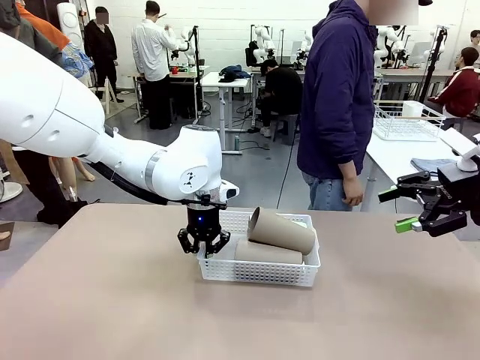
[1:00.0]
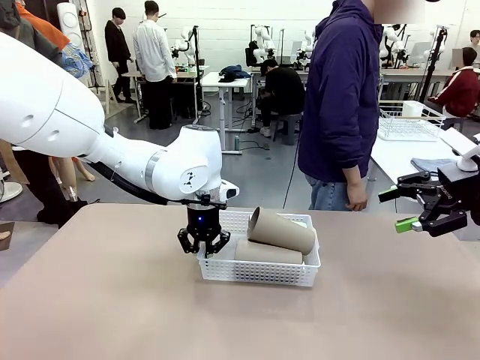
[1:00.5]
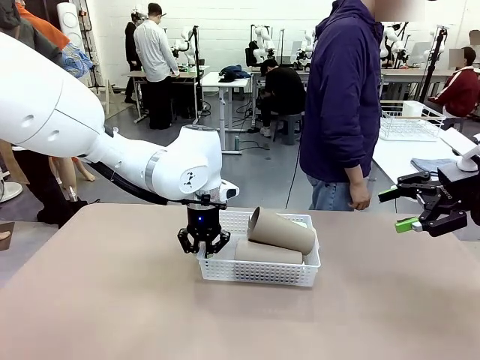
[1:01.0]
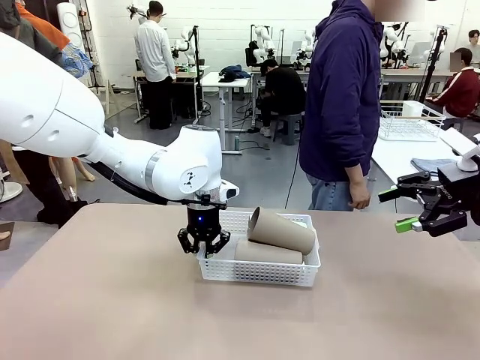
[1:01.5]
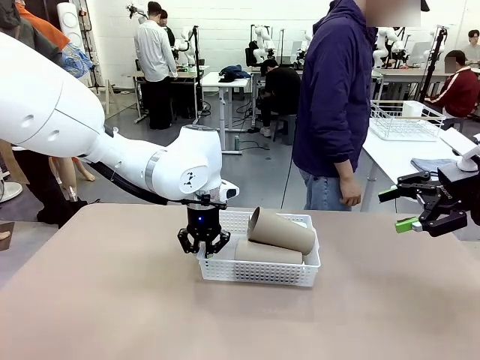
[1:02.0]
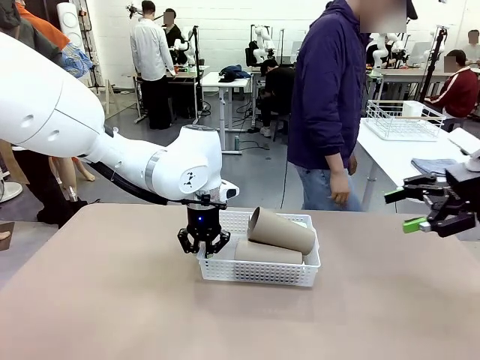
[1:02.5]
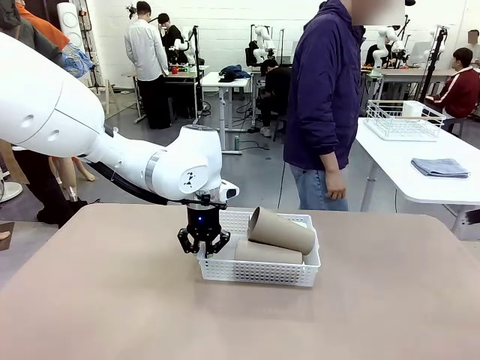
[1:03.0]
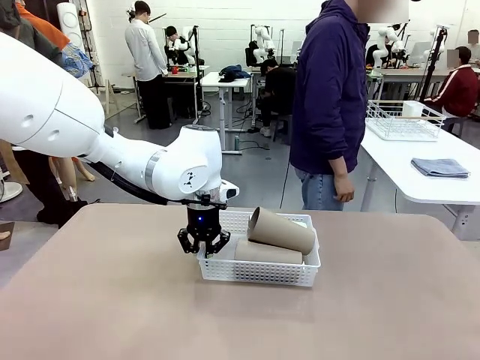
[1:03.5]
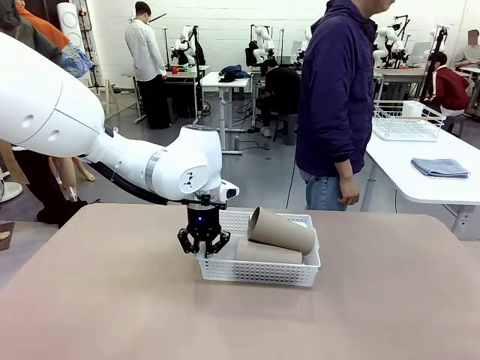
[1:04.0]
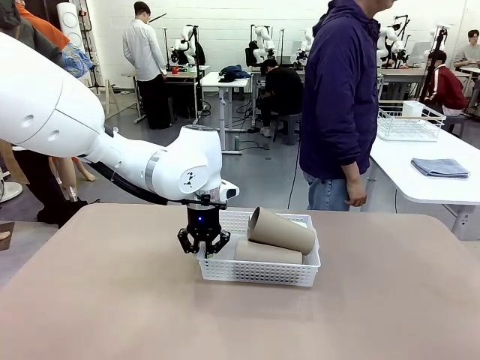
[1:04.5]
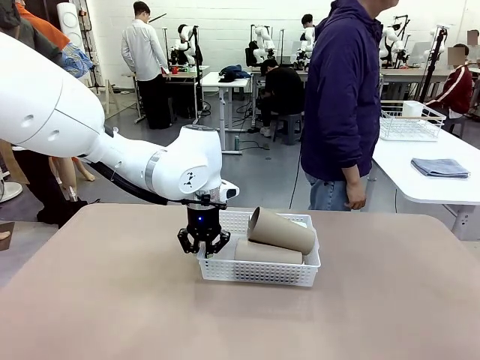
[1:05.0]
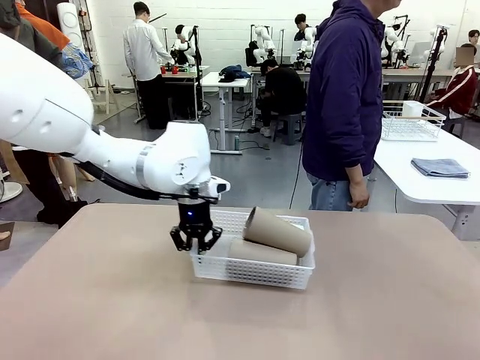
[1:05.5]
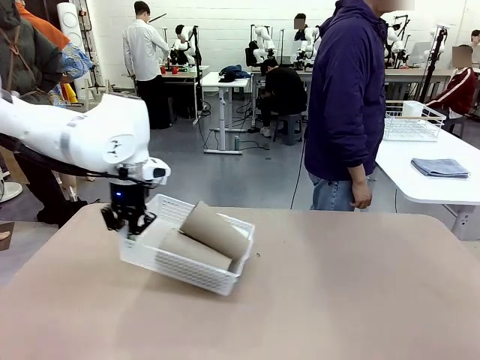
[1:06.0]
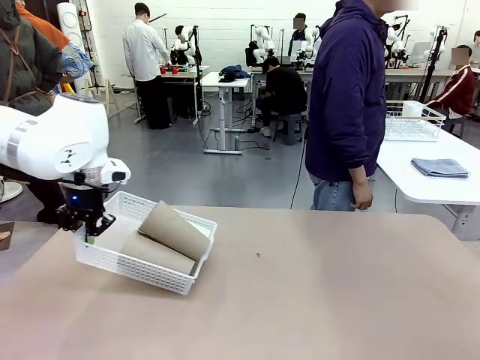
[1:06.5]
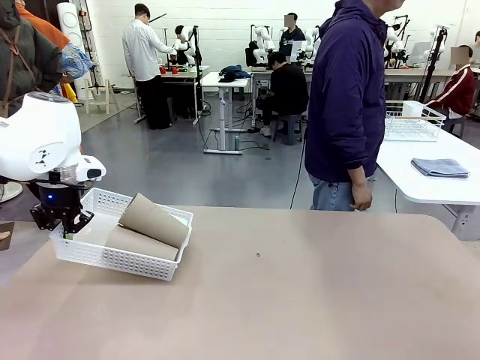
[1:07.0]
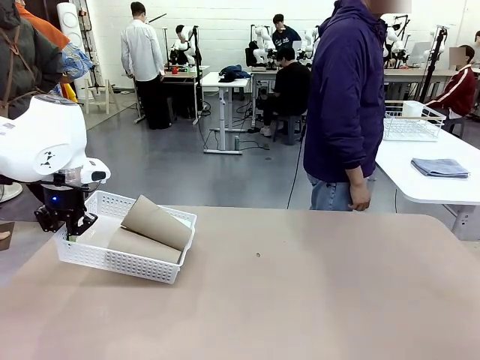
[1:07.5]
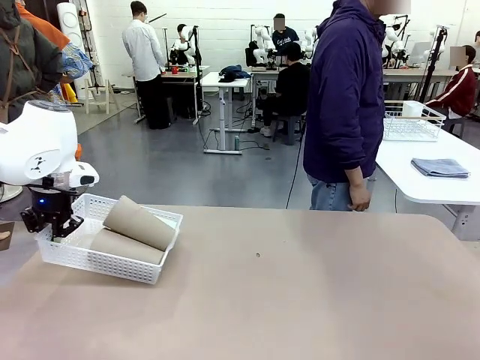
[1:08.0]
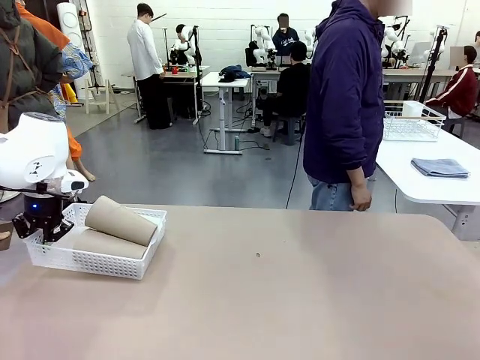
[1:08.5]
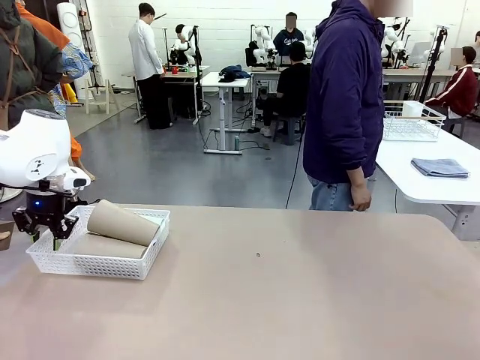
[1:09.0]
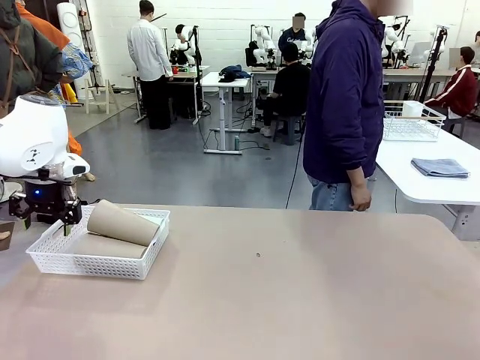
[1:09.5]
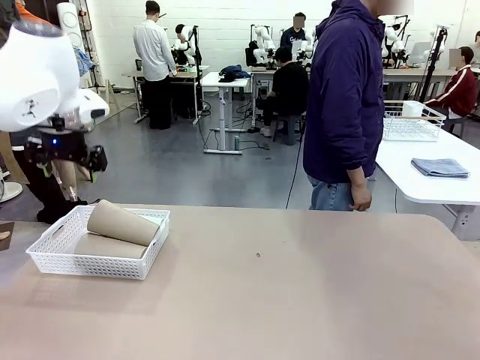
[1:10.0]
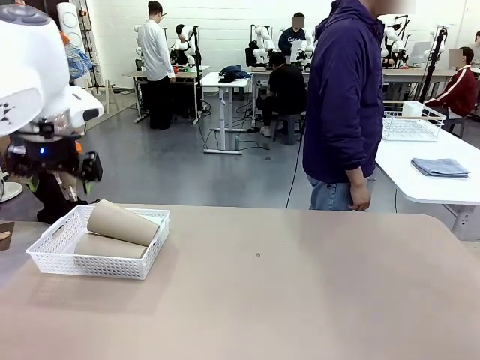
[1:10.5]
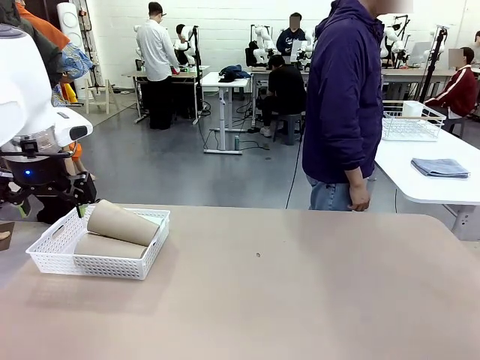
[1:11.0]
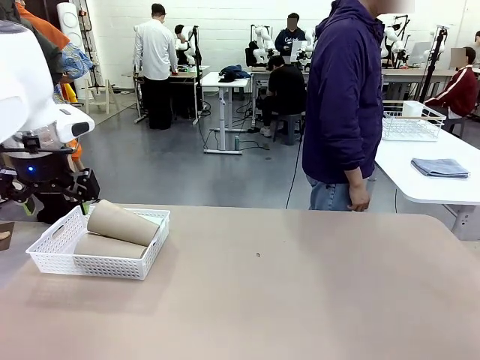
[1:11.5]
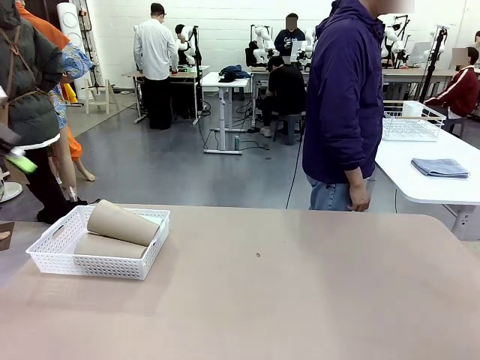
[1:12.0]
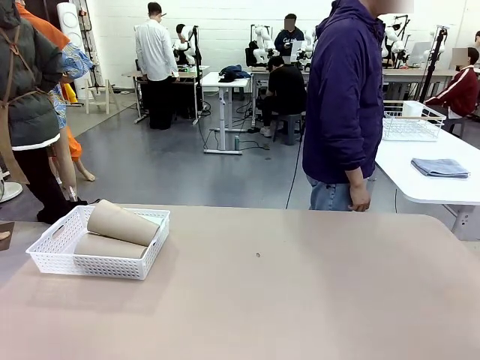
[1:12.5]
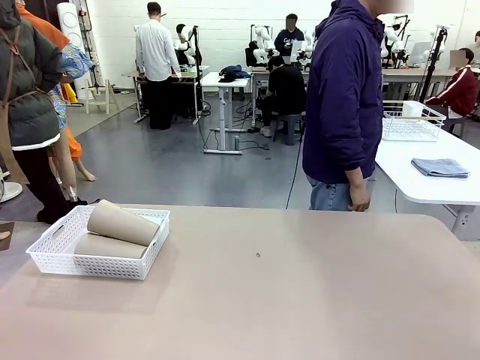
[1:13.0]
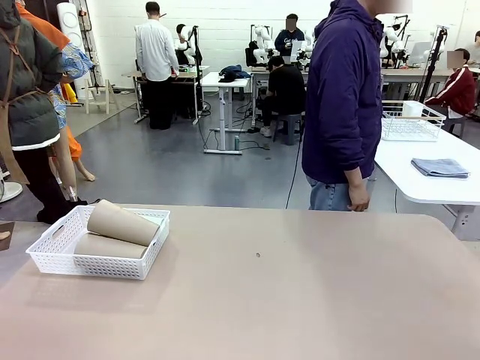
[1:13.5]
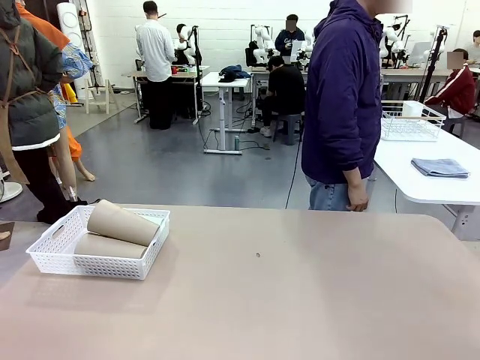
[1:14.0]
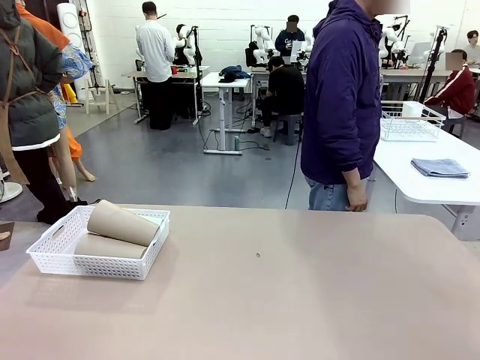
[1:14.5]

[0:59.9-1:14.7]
Task: Clean and organize the cups into the basket.
Robot: Move the Organizing basket back to the left side of the table.
Person: Folds the towel in half twice and places it in the right of the table.

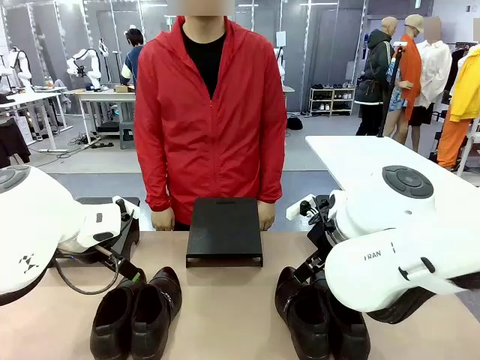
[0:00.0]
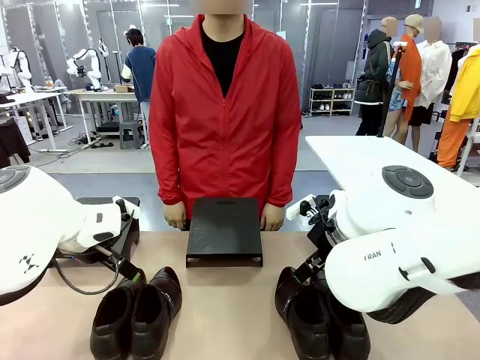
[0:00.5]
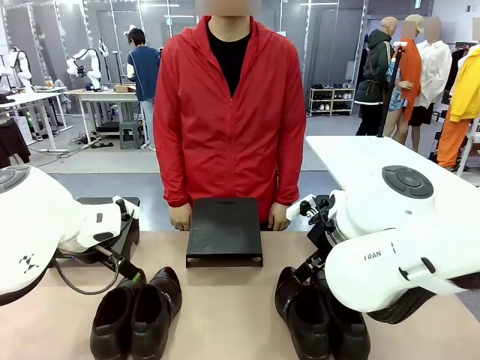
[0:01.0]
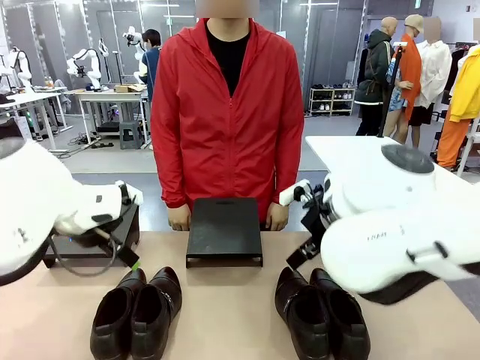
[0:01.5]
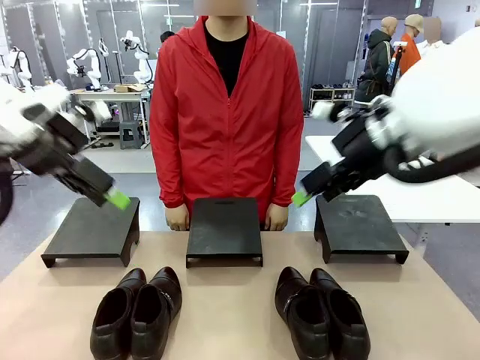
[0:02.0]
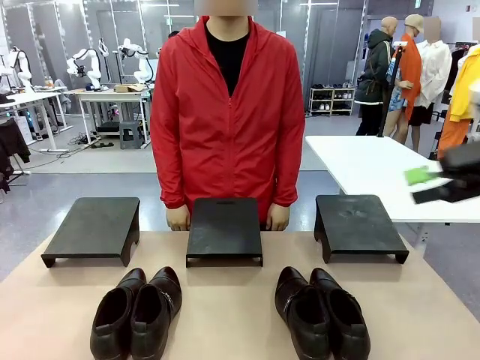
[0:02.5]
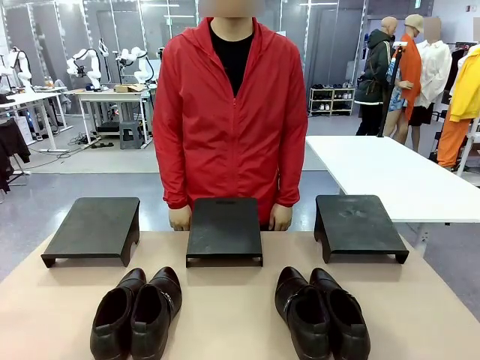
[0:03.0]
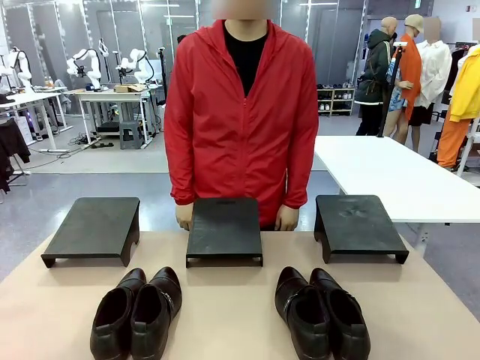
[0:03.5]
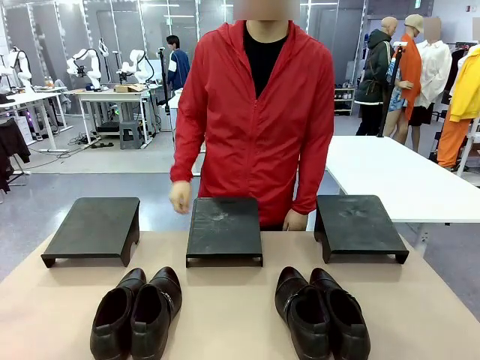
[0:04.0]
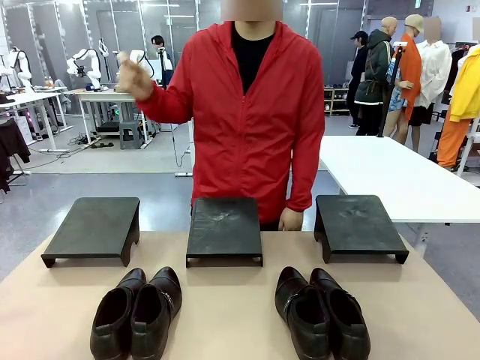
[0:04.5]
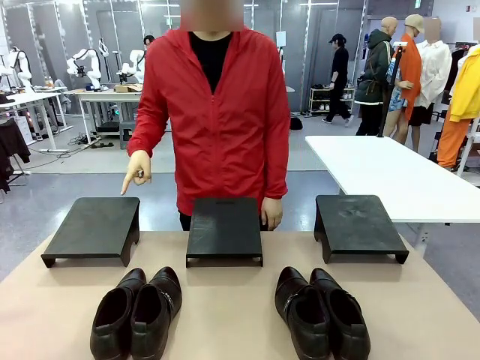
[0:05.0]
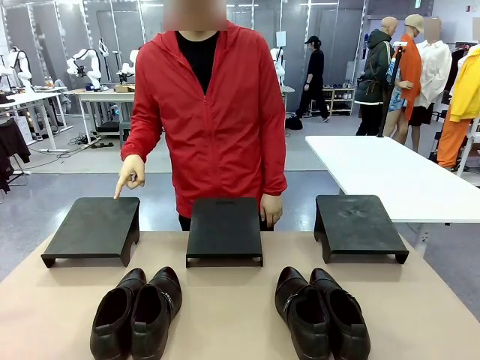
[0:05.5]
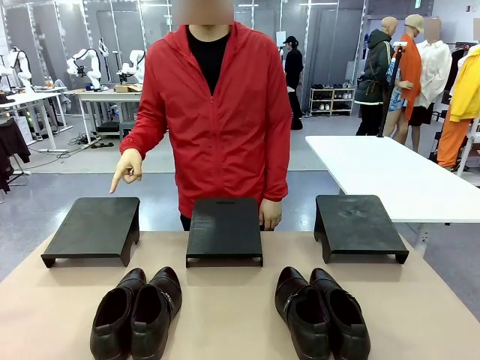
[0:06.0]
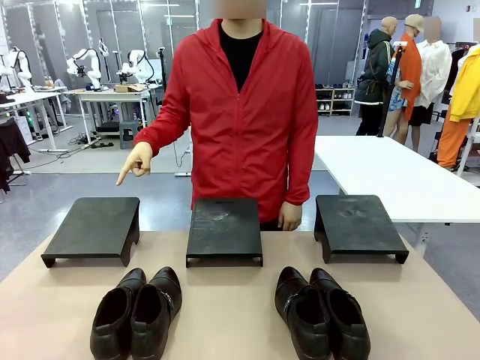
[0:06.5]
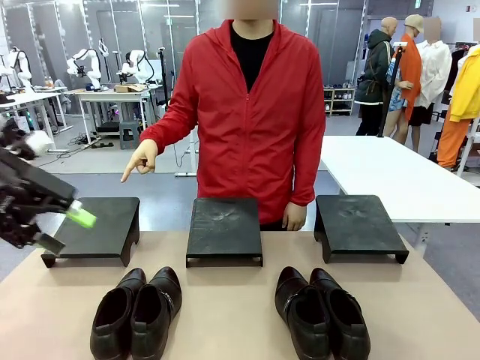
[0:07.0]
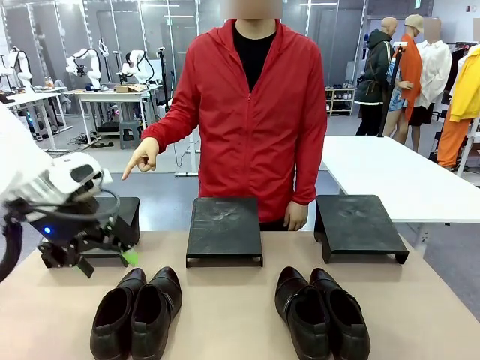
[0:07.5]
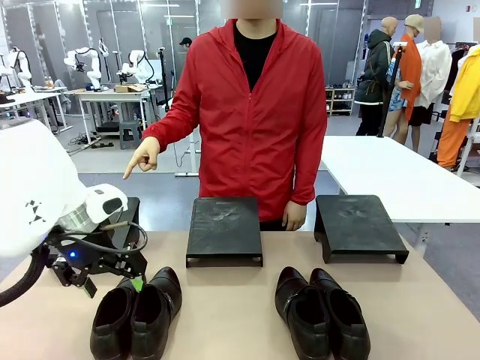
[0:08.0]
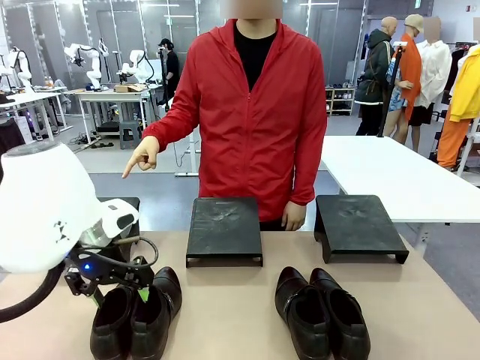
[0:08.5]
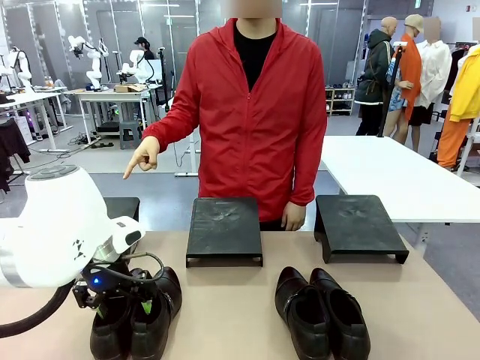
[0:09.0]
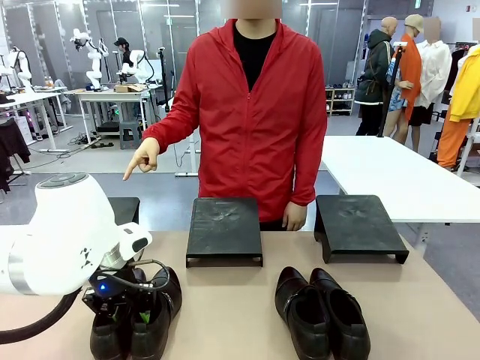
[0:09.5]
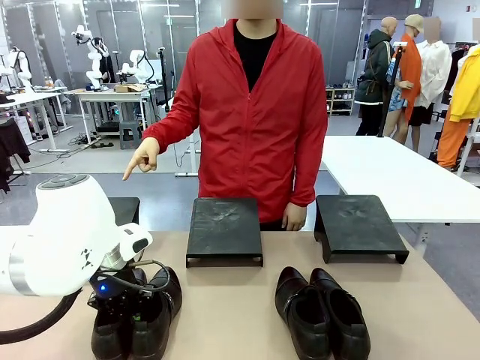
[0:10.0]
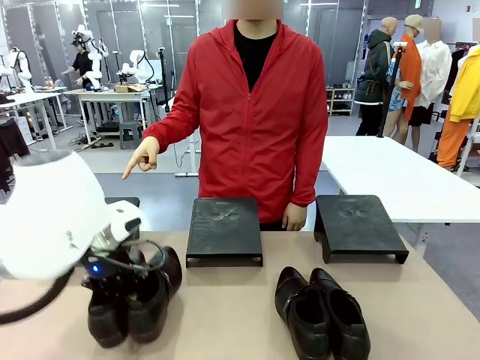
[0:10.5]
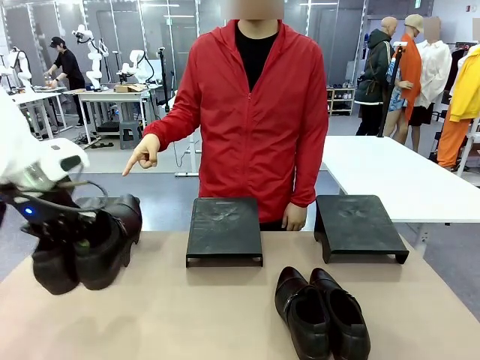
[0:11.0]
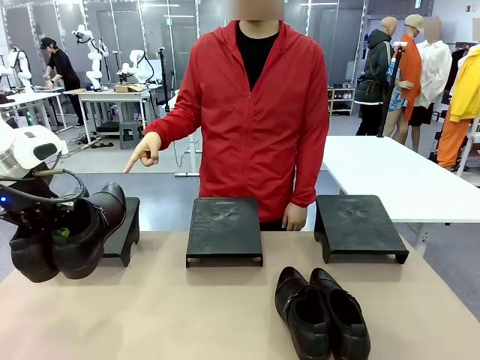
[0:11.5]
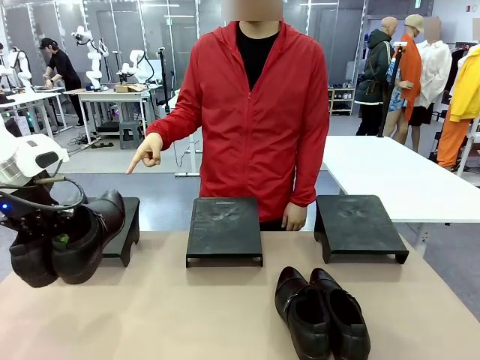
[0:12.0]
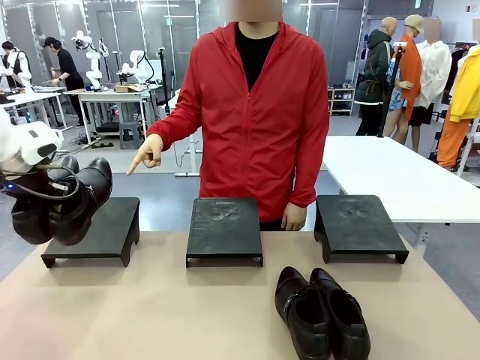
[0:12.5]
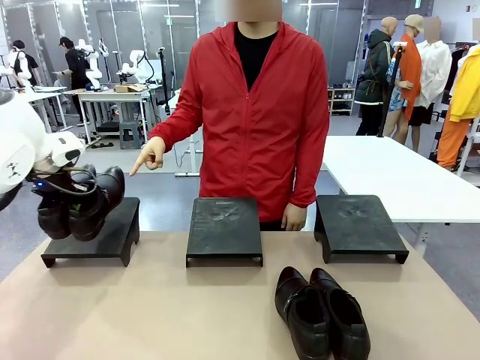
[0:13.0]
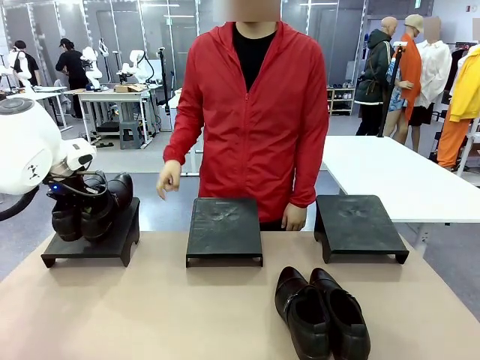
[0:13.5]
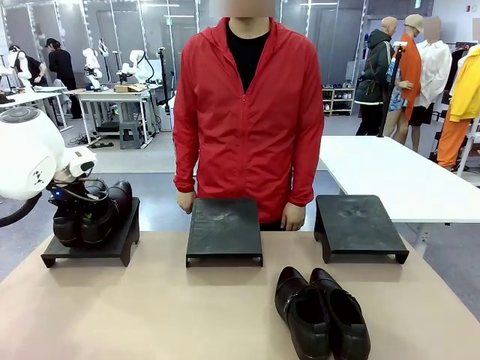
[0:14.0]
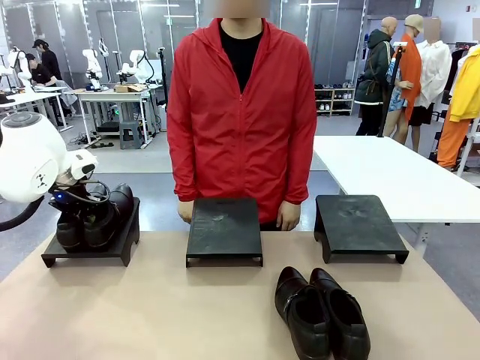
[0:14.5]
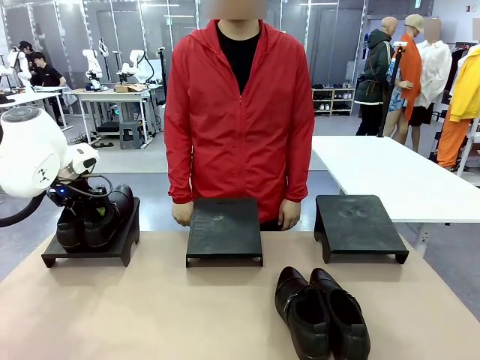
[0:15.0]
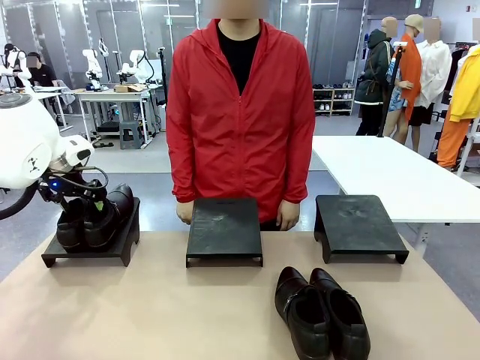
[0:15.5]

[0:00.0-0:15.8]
Task: Place the shoes on the stand as instructed by the person.
Robot: Pick up one pair of Shoes and place it on the Shoes Stand indicated by the person.
